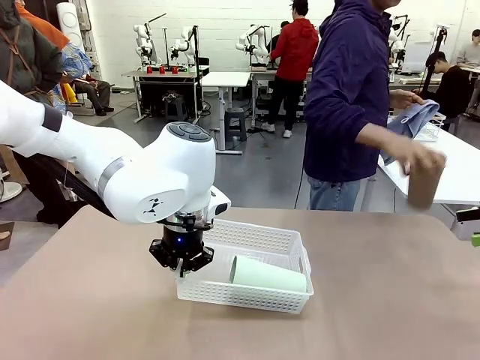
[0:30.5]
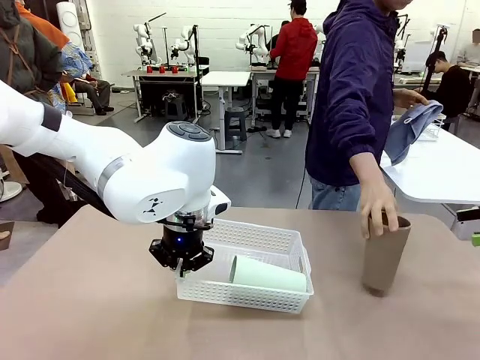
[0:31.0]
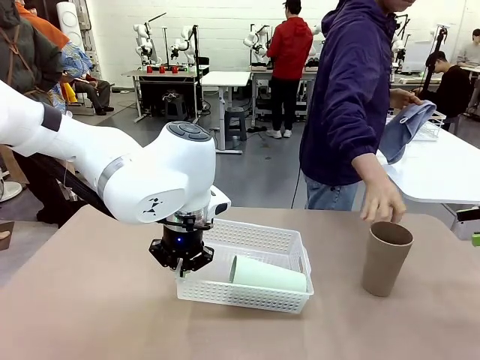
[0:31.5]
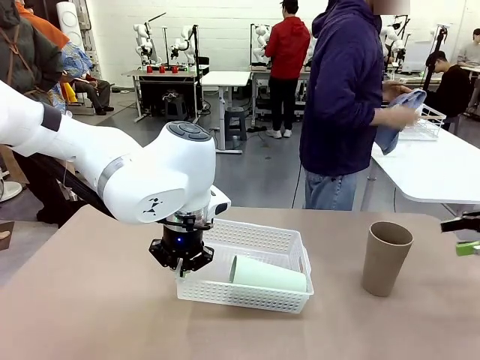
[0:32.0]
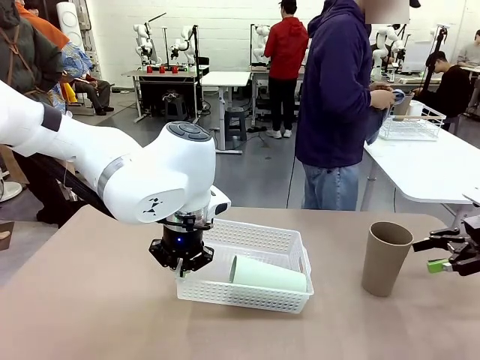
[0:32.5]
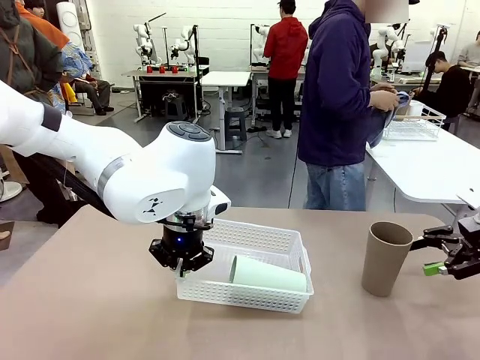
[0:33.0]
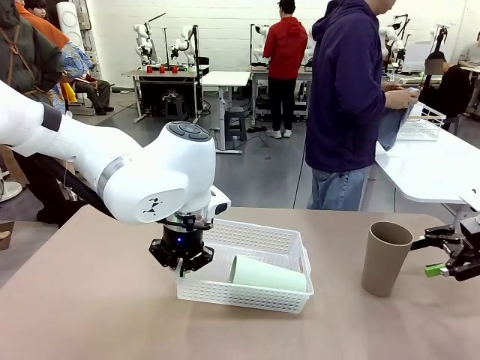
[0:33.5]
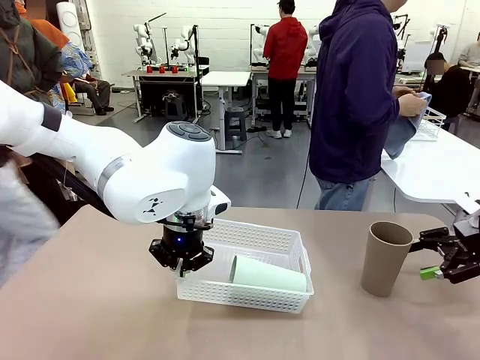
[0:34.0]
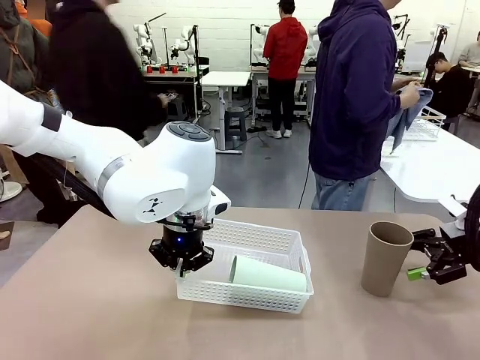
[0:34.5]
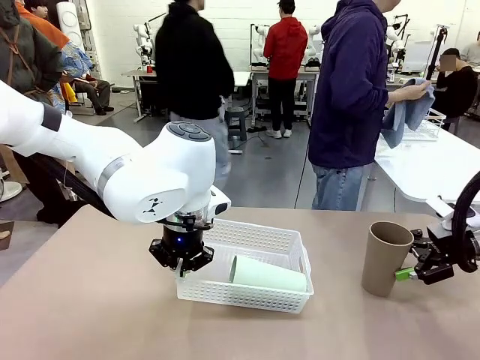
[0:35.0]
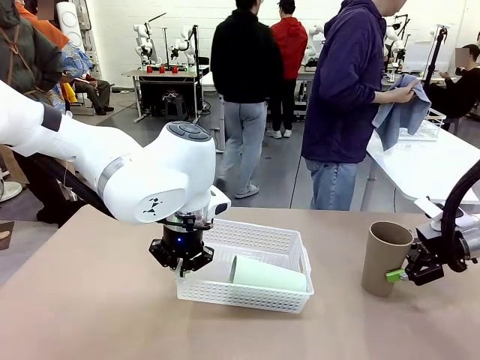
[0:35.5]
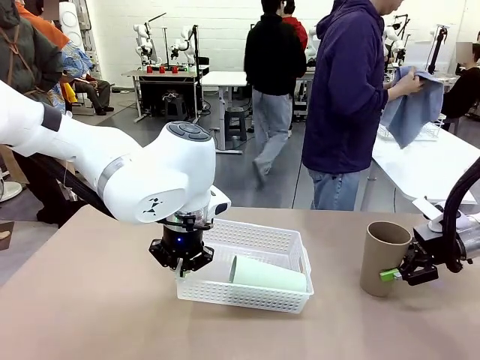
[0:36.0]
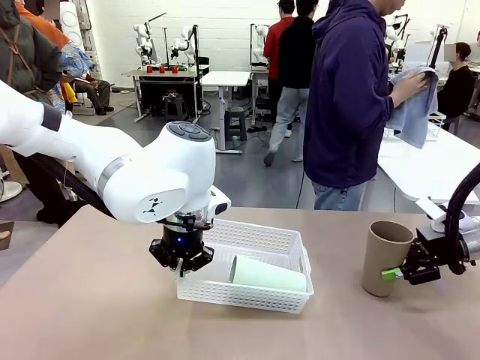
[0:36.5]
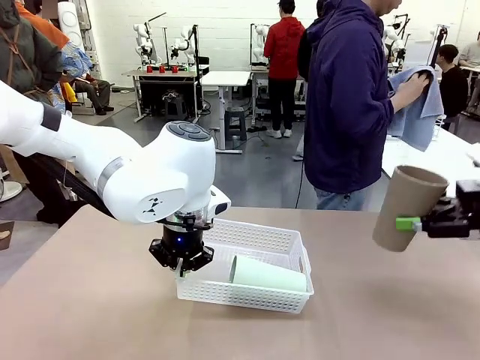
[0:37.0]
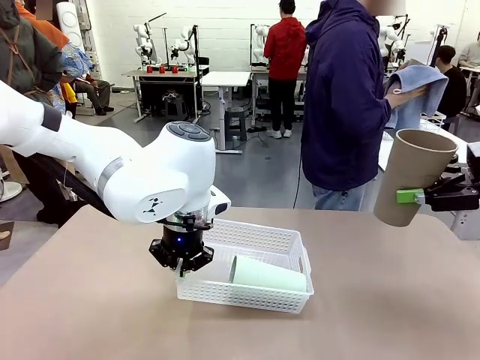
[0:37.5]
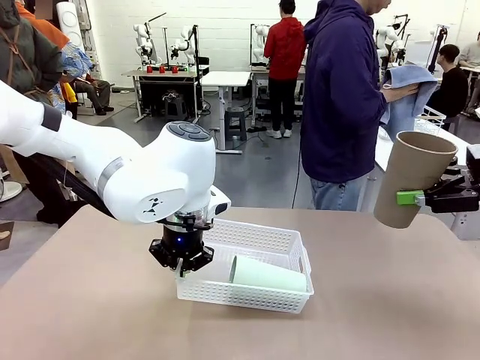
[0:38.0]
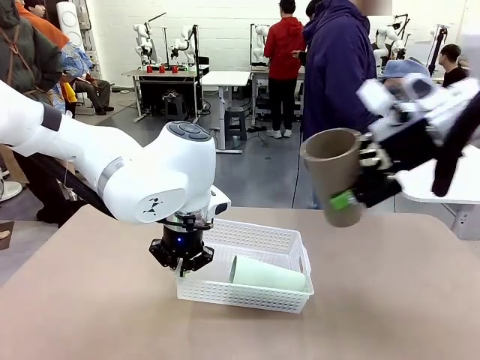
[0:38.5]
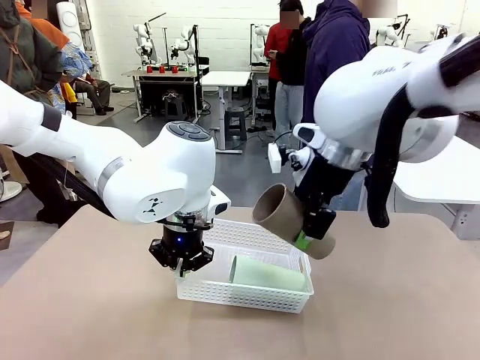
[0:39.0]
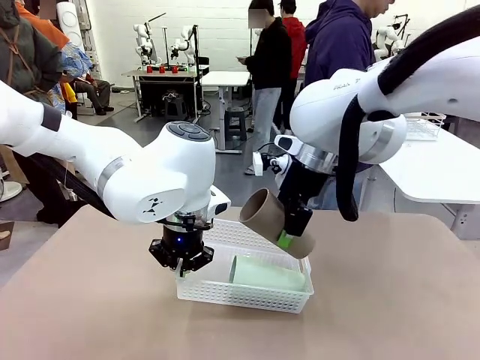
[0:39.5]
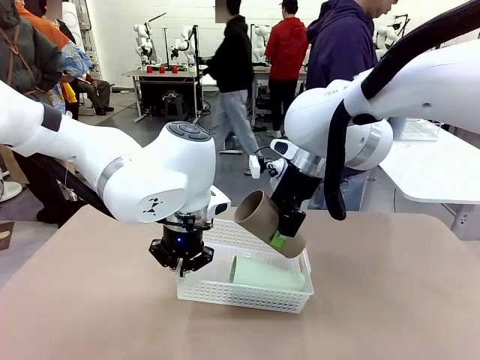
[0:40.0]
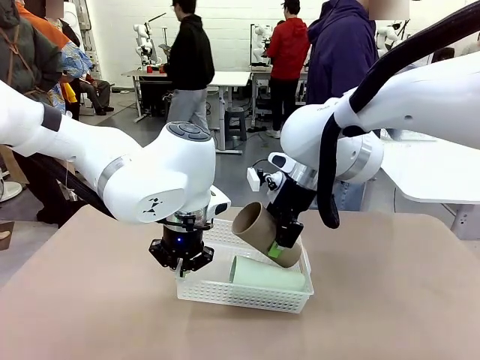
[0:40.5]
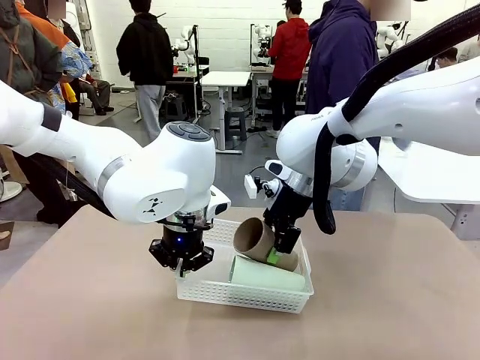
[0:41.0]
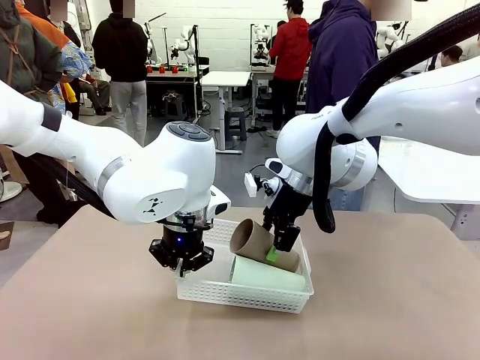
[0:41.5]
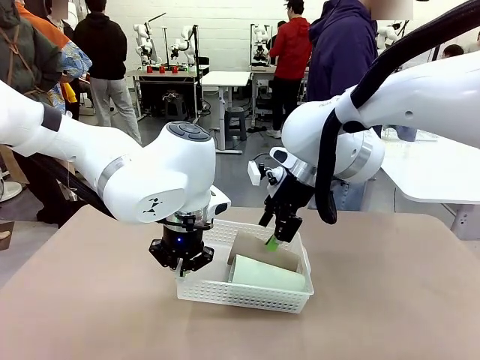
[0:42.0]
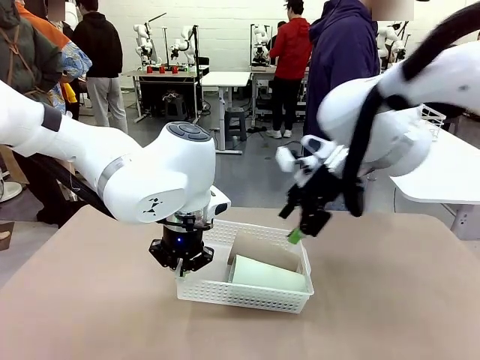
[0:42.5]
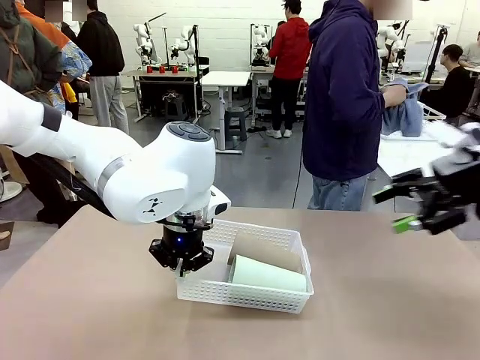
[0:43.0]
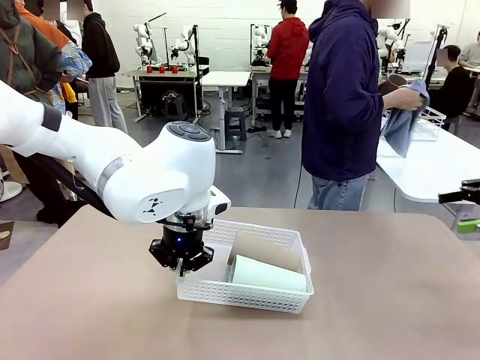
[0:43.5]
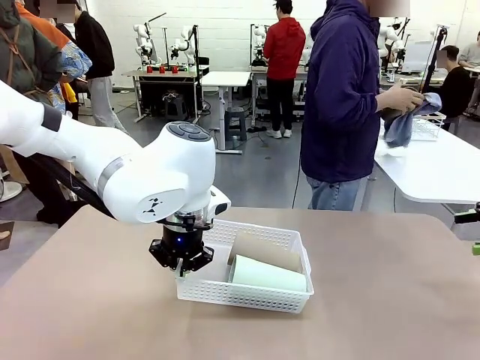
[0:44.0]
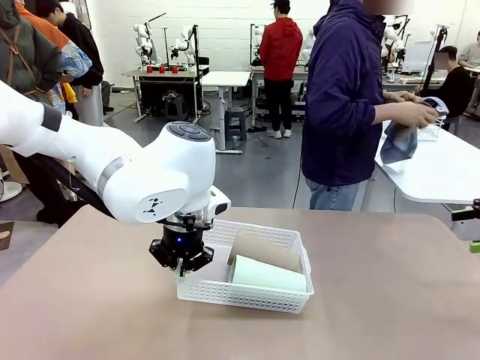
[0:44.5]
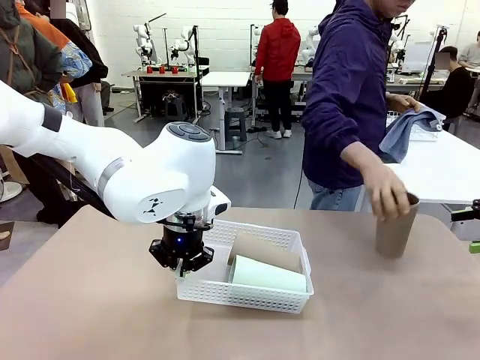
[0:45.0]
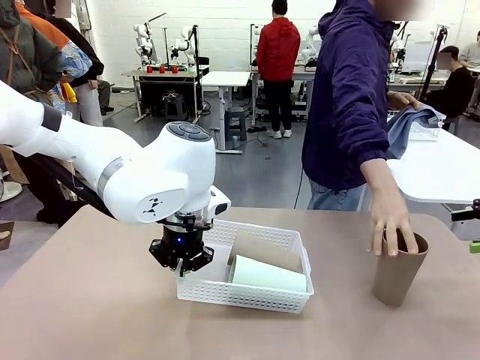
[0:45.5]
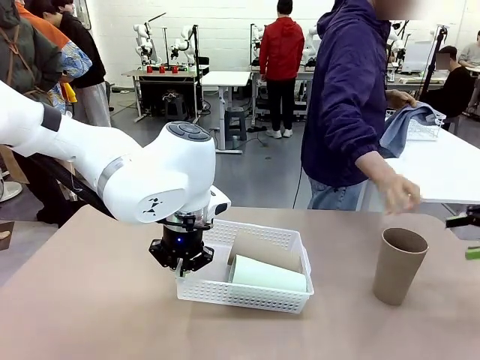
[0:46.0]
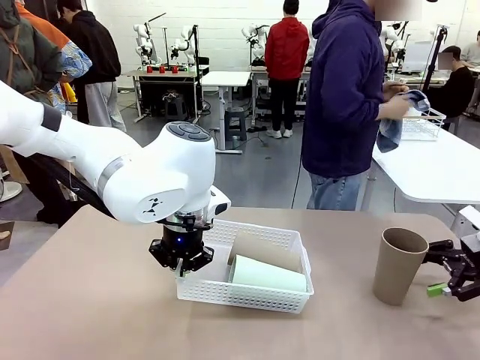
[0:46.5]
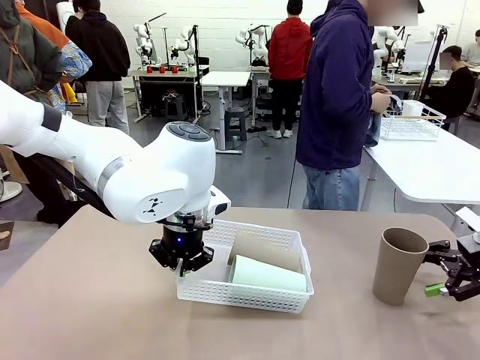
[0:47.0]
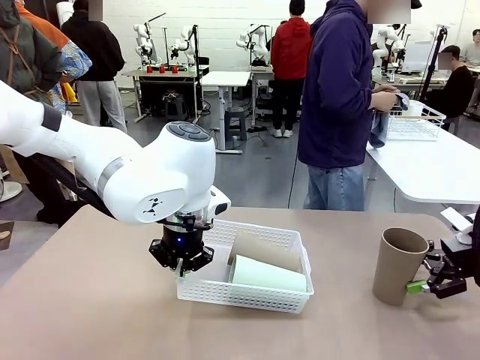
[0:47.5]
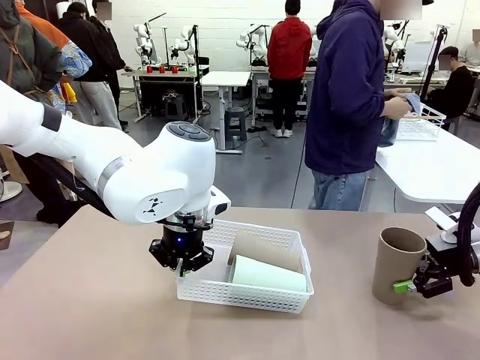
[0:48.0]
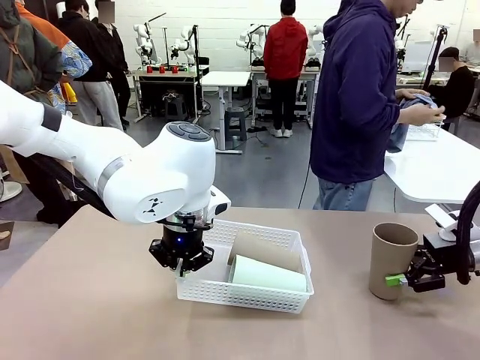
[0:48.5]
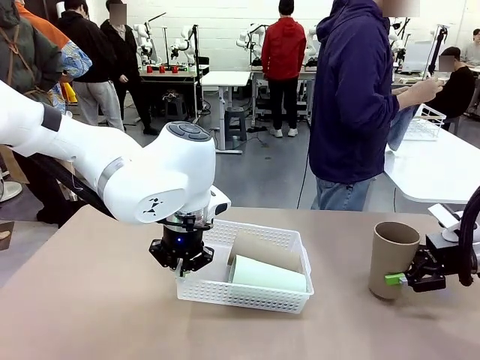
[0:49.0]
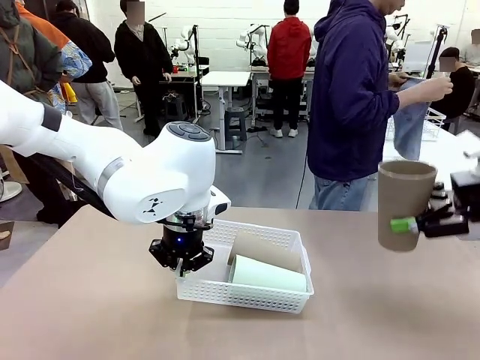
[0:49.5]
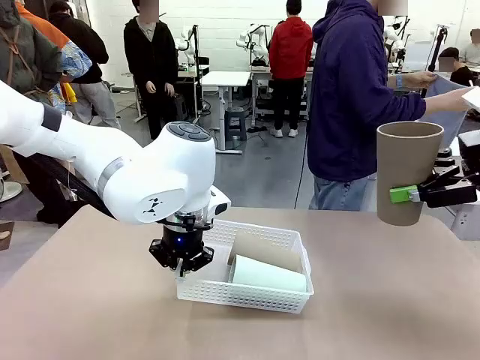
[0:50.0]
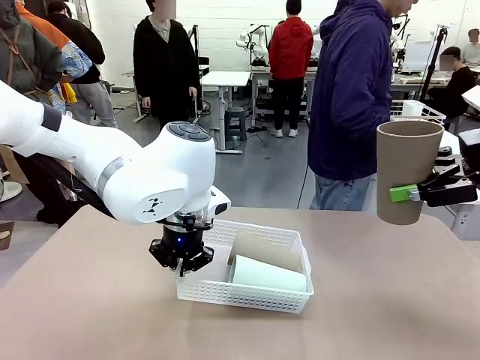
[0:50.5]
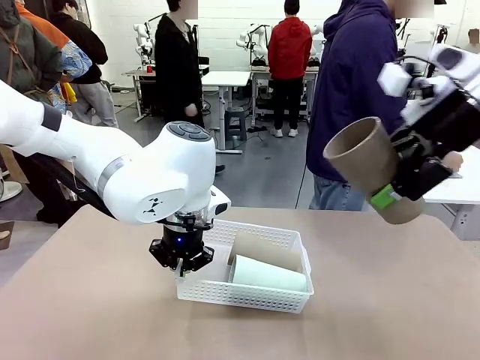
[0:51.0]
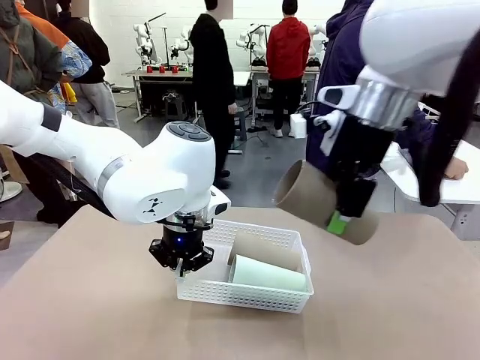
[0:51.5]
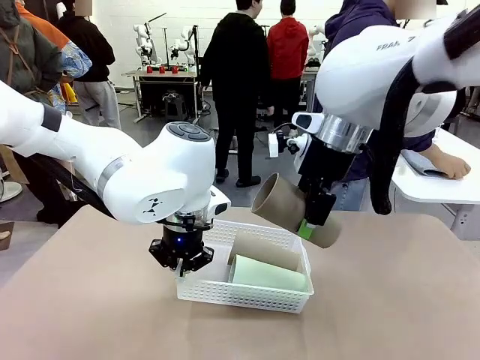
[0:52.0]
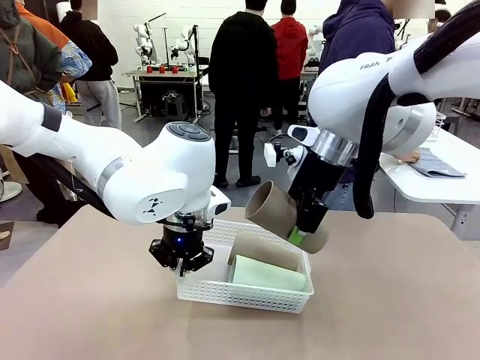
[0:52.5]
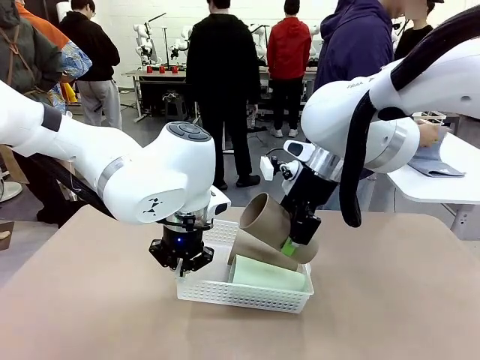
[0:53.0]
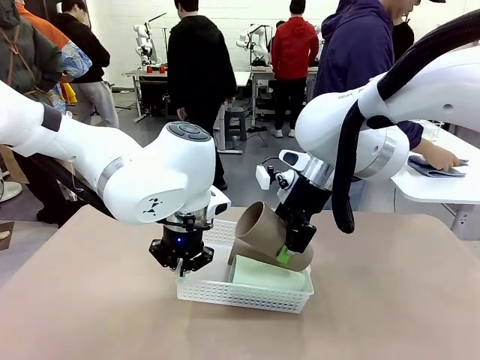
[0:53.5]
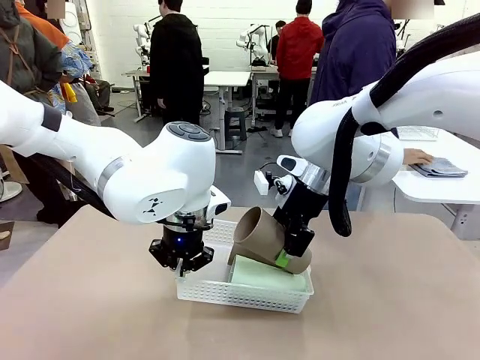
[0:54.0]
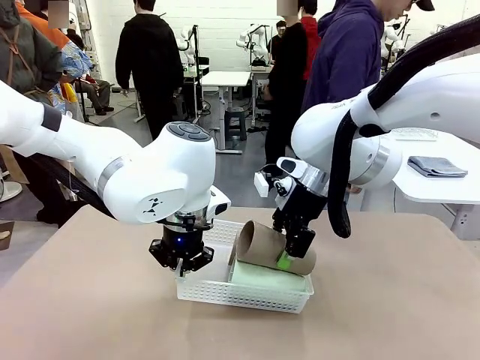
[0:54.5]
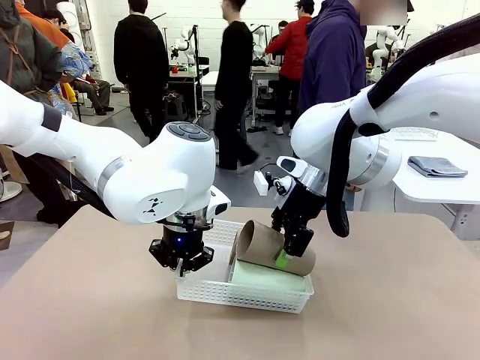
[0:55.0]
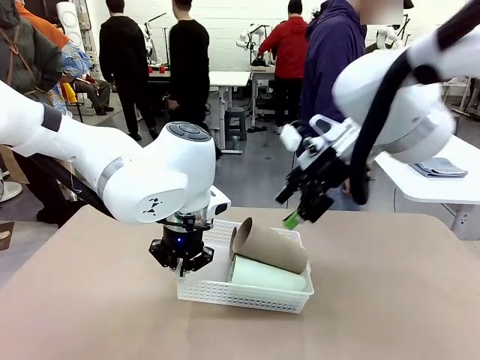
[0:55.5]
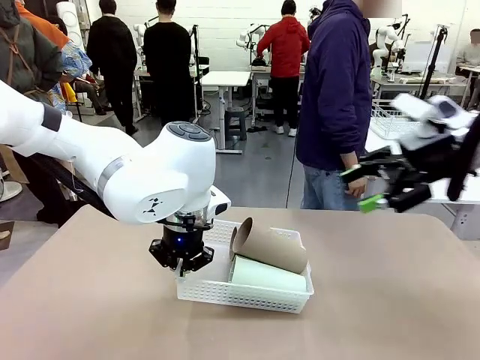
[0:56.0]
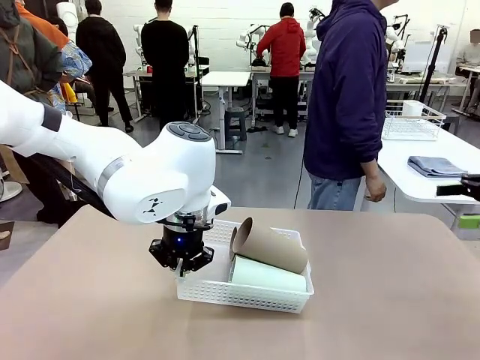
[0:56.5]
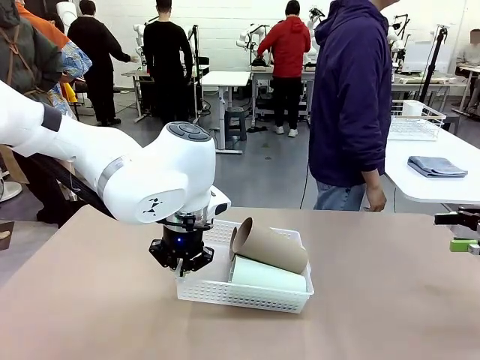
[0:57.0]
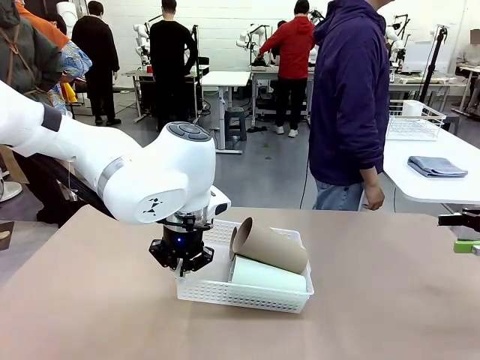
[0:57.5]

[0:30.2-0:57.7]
Task: Clean and organize the cups into the basket.
Robot: Pick up the Reusable plastic cup from the right side of the table and stack it inside the Organizing basket in the center of the table.
